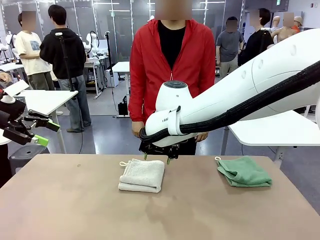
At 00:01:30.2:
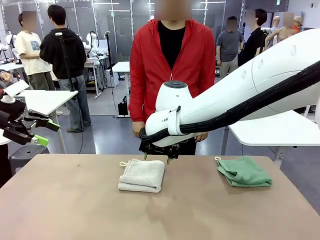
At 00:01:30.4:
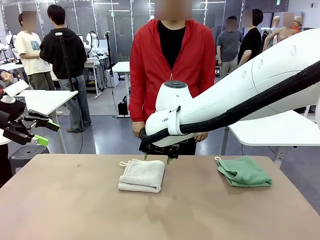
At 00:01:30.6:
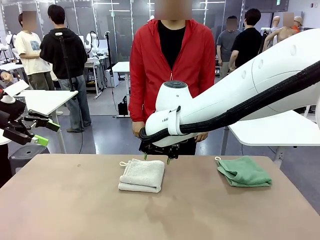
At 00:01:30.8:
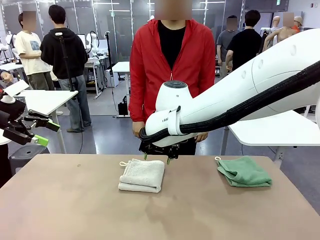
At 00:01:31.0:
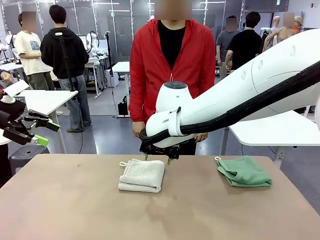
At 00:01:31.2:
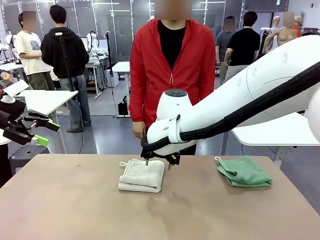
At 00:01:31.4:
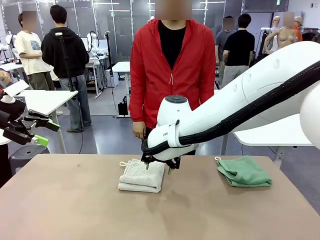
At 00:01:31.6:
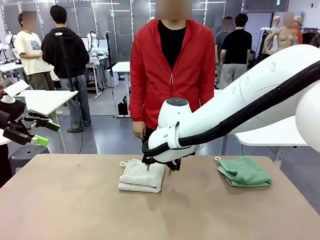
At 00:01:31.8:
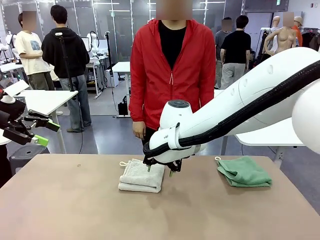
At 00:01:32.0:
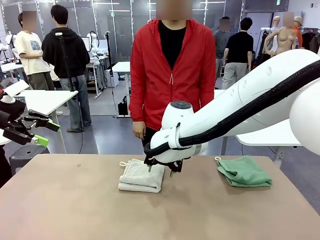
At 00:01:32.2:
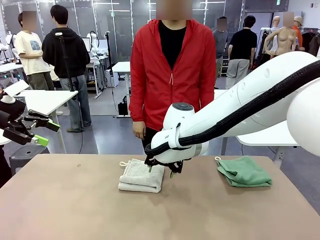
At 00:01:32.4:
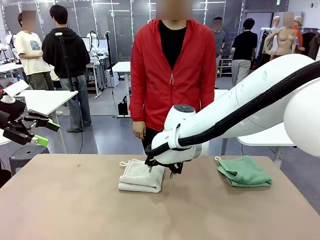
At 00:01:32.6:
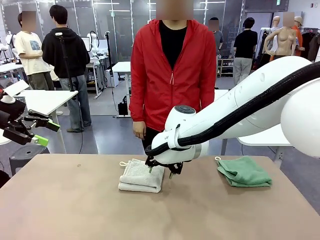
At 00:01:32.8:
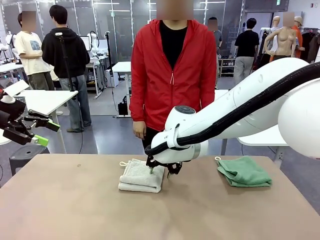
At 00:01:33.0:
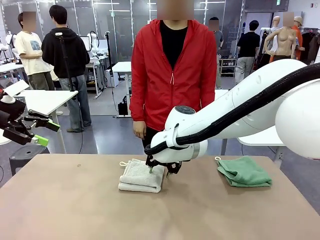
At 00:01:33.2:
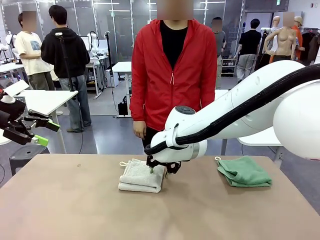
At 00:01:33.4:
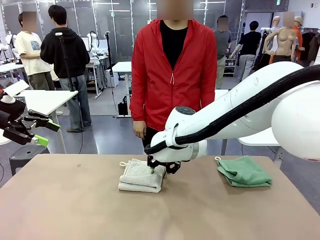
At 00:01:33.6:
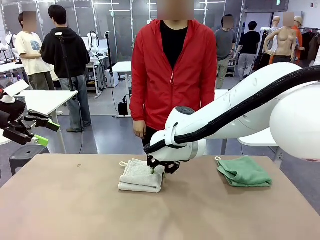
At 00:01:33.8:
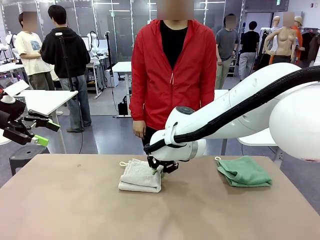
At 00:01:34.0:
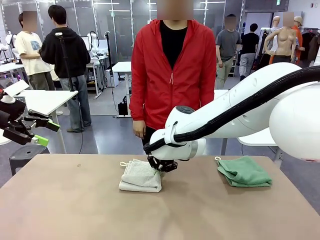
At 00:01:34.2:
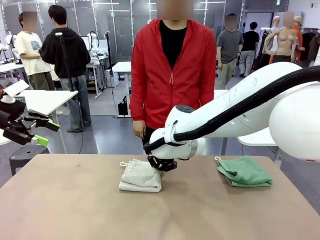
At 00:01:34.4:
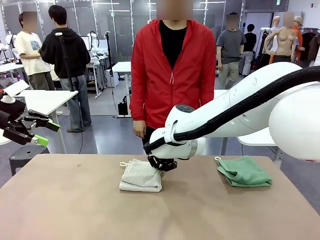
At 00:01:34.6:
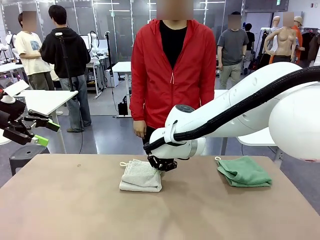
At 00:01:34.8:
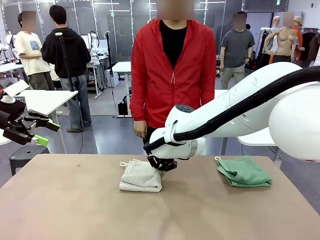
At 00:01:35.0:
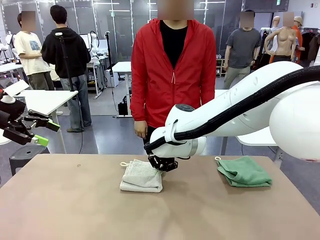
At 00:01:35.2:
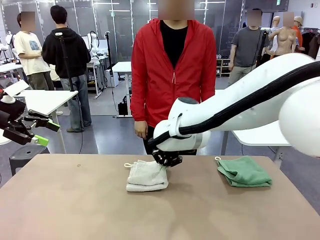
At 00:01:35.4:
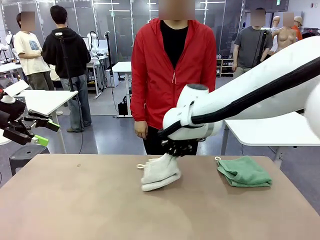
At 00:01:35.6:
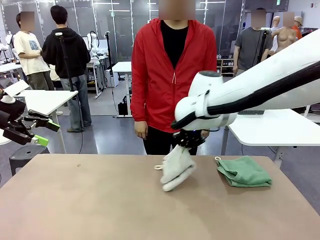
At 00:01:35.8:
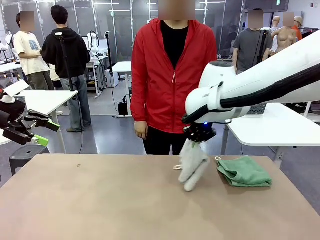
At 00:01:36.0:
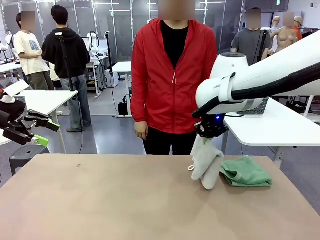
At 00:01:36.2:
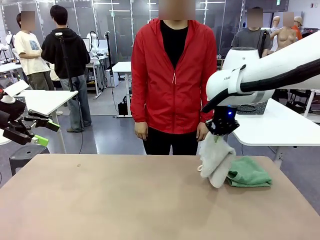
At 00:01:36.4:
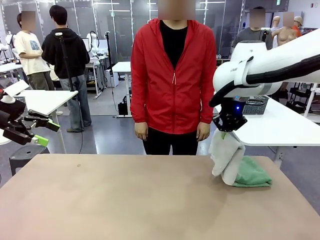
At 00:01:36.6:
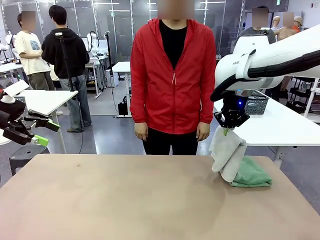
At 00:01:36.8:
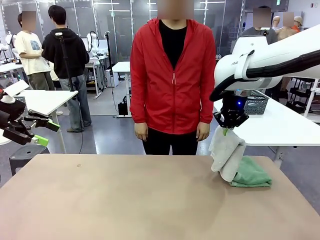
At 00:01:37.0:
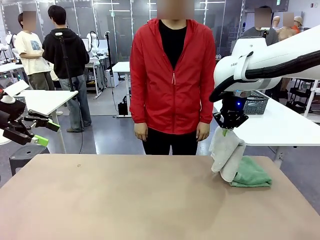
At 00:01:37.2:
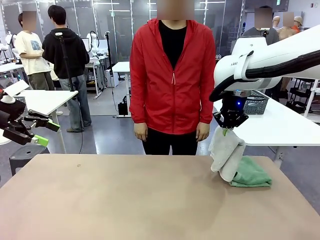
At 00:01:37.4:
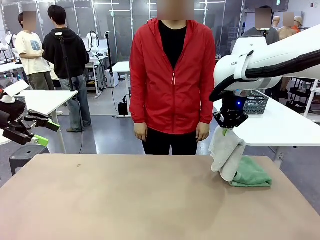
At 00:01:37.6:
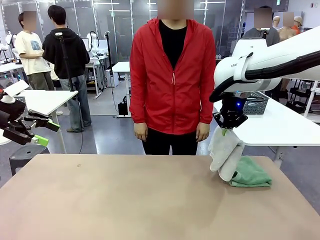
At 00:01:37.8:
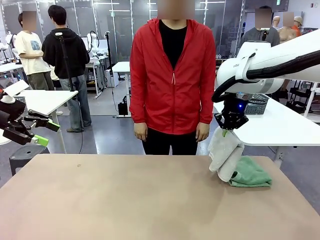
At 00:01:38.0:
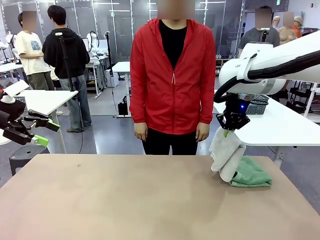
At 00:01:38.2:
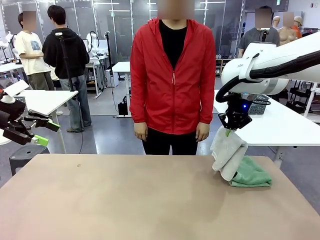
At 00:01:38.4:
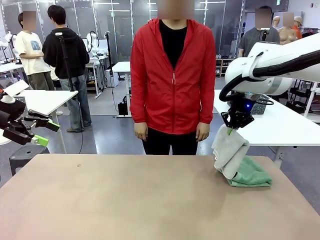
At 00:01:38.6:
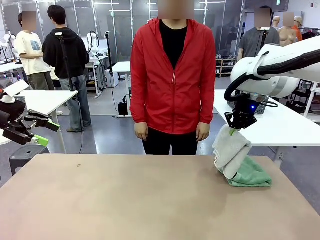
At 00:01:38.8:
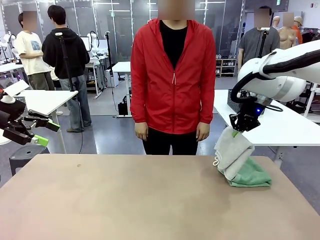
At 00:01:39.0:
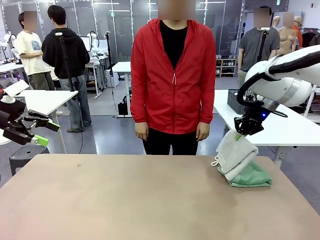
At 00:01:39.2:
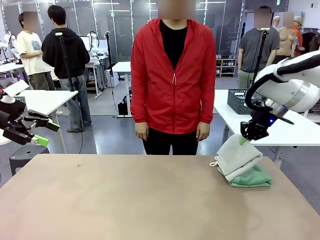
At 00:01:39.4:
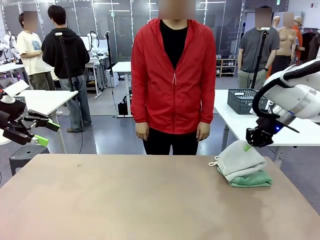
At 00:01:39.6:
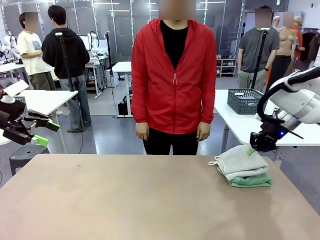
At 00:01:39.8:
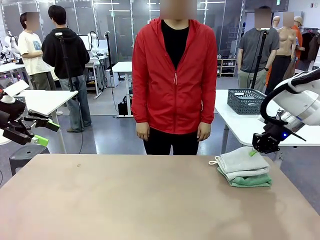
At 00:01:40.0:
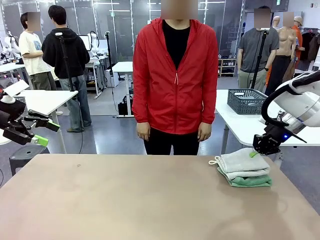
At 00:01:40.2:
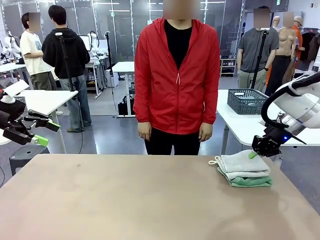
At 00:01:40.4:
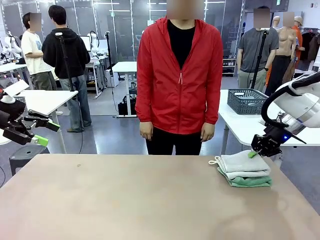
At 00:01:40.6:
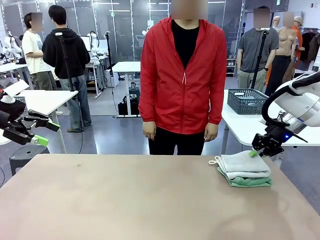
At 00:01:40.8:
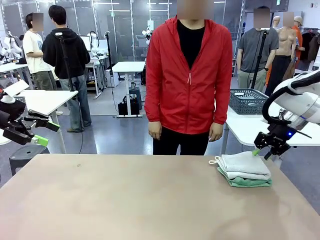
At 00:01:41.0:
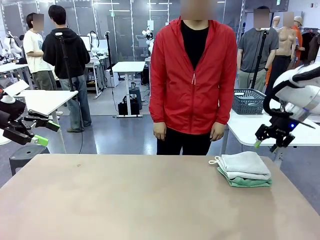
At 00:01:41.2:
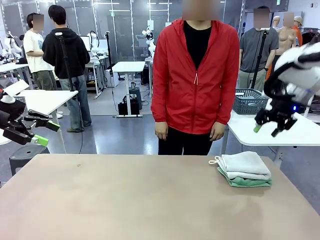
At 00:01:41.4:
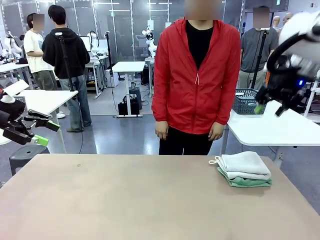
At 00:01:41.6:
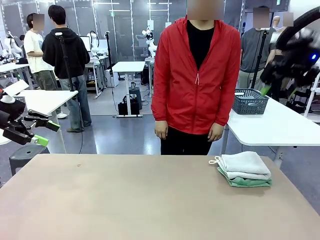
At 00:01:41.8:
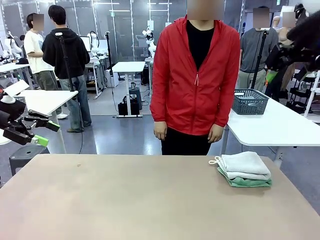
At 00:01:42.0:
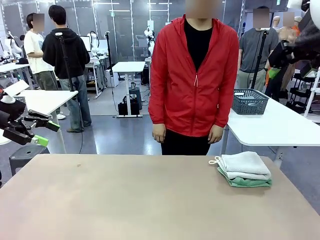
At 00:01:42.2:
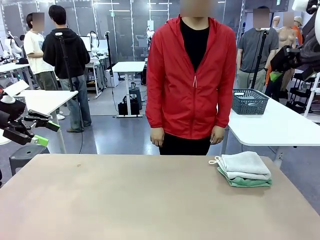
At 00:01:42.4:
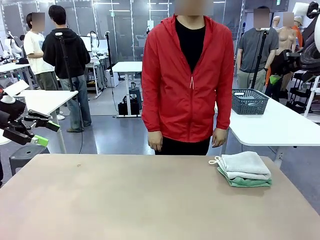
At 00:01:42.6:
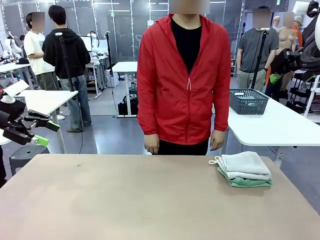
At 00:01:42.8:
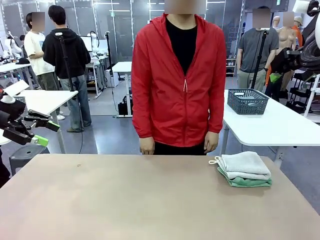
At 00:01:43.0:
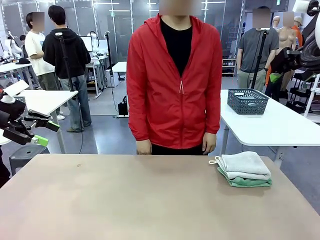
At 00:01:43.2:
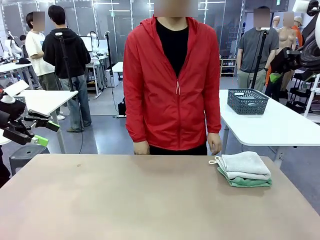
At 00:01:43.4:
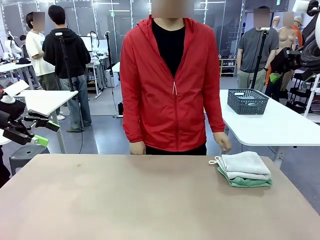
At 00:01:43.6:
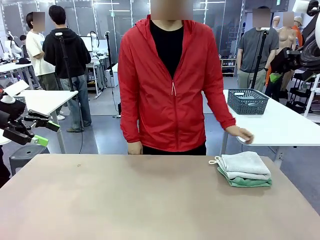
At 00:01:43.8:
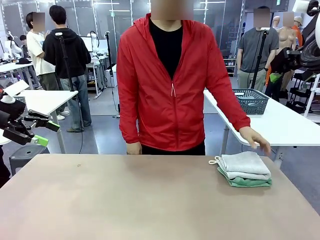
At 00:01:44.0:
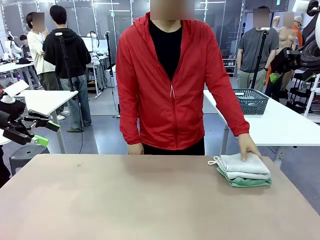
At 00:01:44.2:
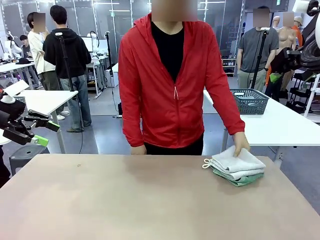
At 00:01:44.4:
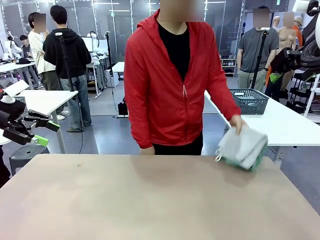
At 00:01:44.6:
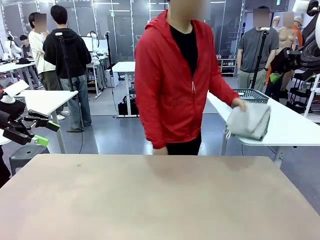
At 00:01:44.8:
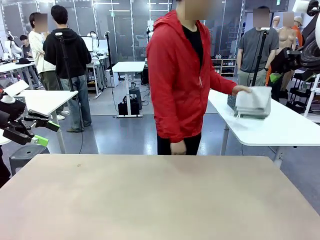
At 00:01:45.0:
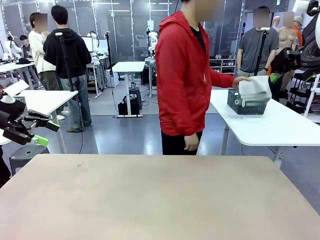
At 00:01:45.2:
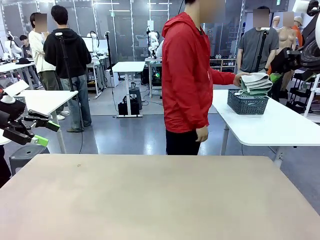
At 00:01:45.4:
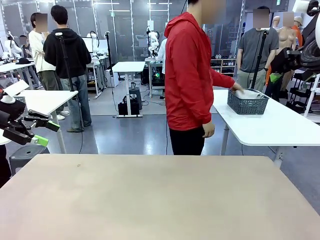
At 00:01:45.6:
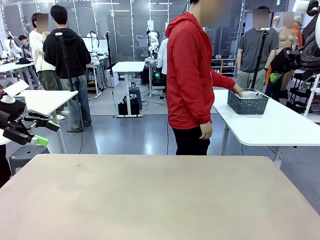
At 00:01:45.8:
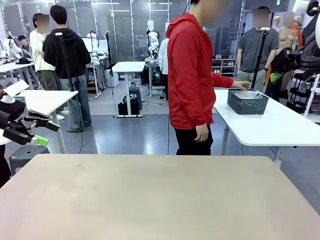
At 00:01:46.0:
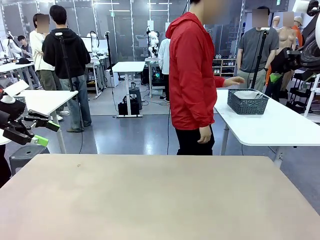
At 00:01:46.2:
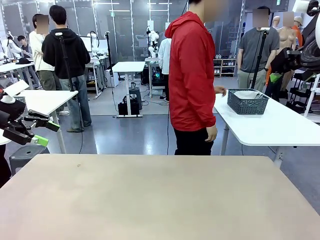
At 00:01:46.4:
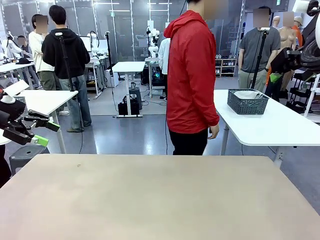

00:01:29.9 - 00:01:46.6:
Task: Fold the towels and place them in the basket.
Robot: Stack the folded Towel with hook on the right side of the table.
Person: Pick up the stack of towels from the robot table and place it into the basket.
